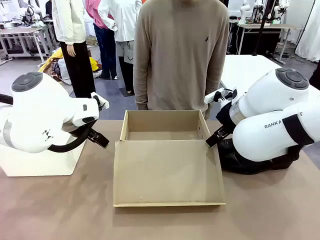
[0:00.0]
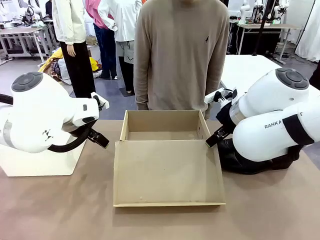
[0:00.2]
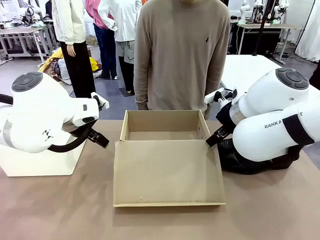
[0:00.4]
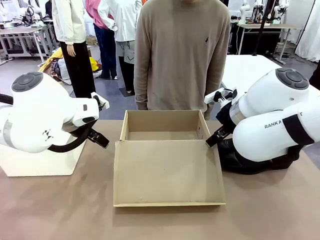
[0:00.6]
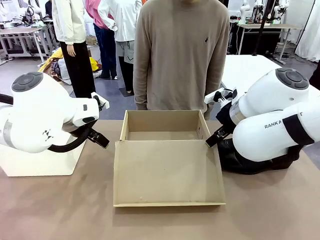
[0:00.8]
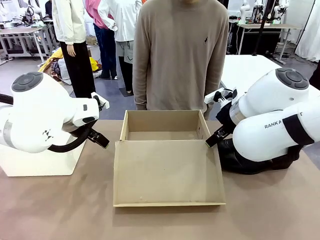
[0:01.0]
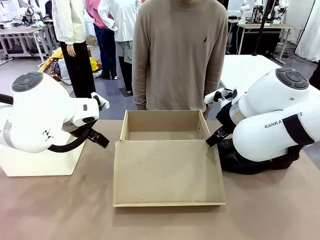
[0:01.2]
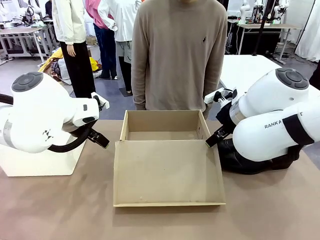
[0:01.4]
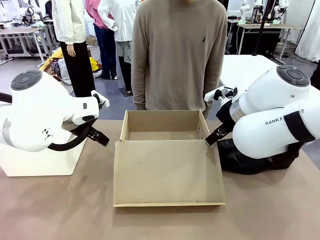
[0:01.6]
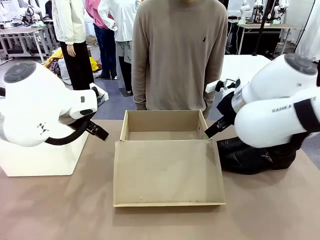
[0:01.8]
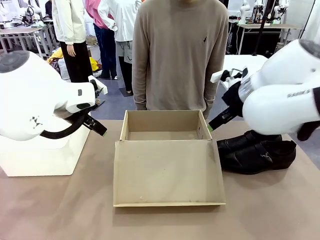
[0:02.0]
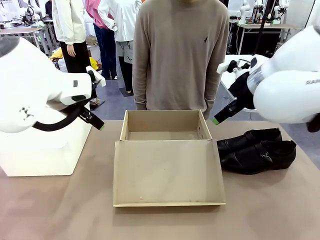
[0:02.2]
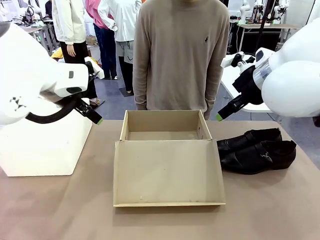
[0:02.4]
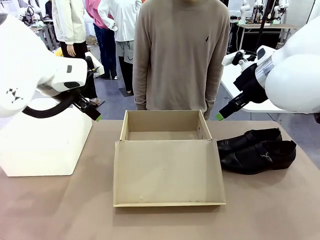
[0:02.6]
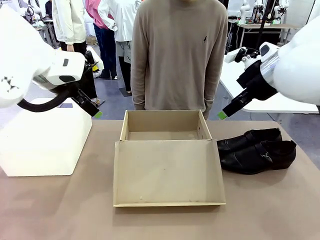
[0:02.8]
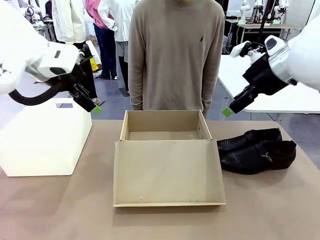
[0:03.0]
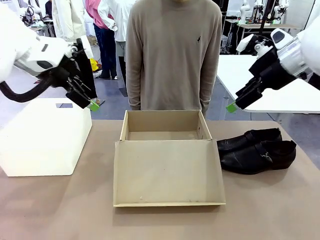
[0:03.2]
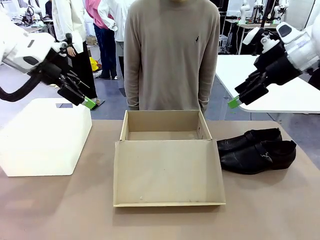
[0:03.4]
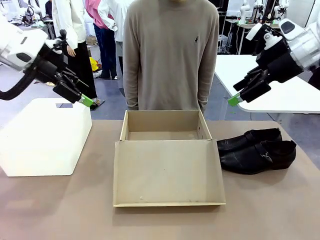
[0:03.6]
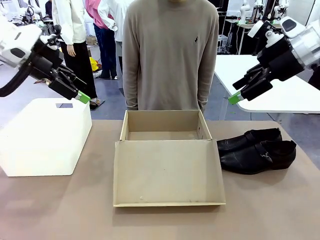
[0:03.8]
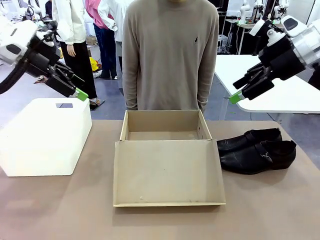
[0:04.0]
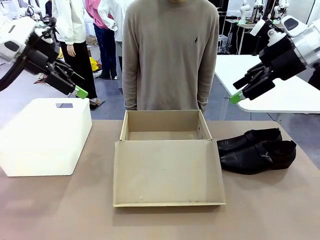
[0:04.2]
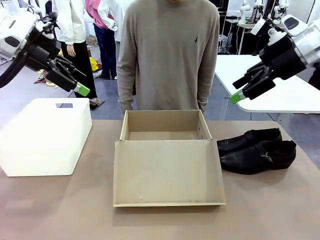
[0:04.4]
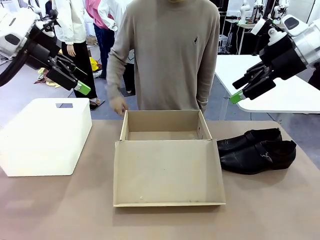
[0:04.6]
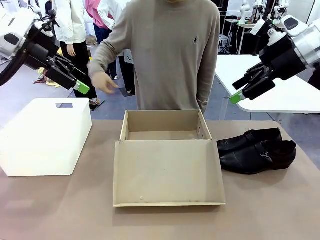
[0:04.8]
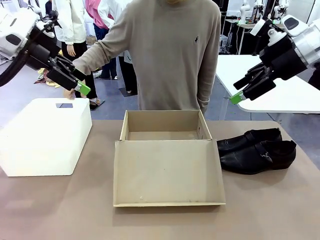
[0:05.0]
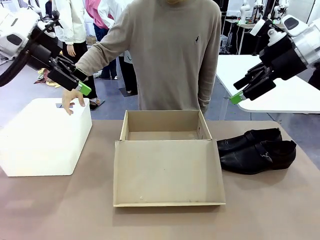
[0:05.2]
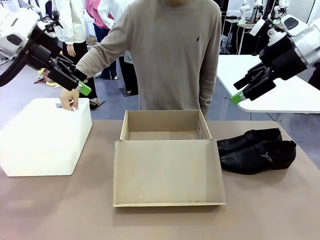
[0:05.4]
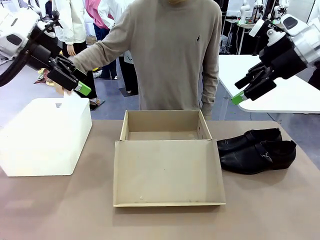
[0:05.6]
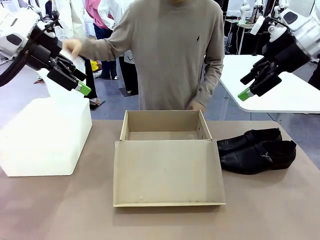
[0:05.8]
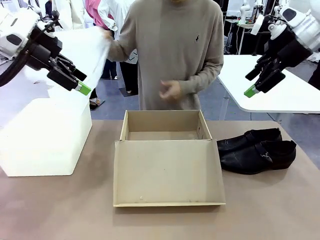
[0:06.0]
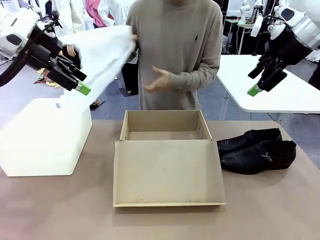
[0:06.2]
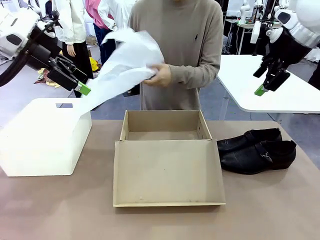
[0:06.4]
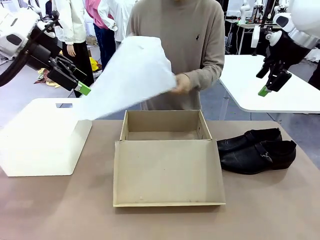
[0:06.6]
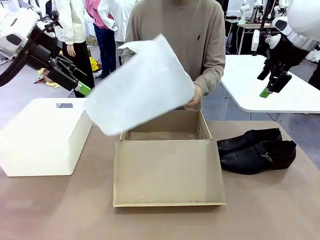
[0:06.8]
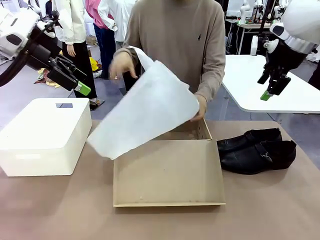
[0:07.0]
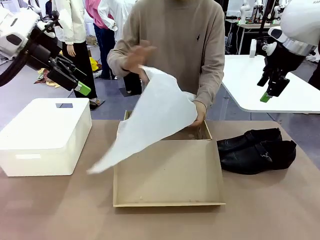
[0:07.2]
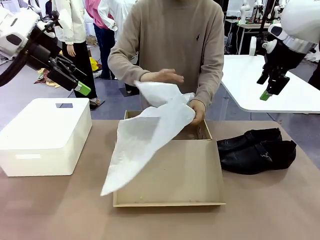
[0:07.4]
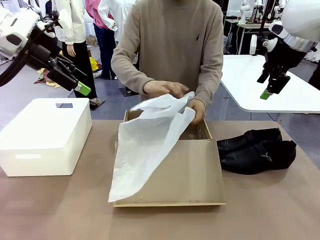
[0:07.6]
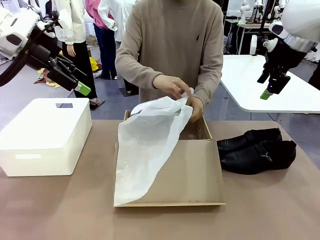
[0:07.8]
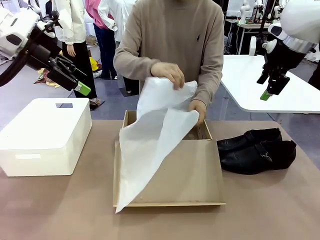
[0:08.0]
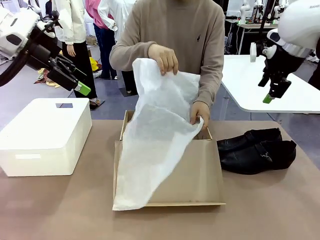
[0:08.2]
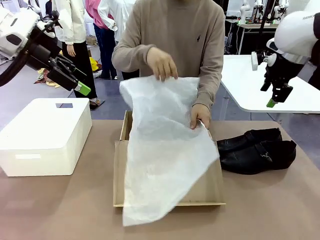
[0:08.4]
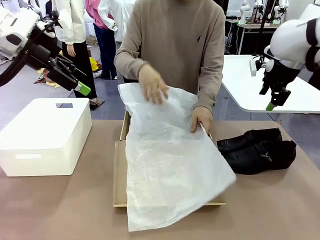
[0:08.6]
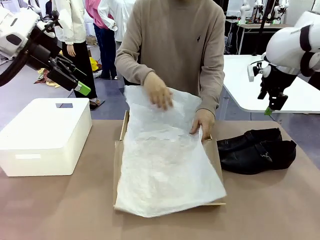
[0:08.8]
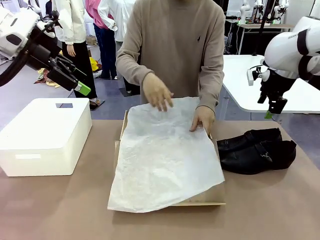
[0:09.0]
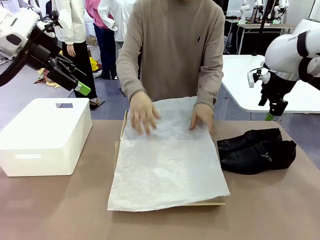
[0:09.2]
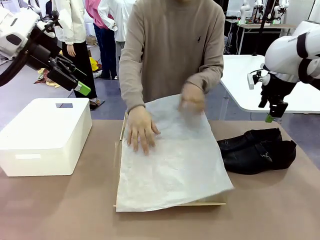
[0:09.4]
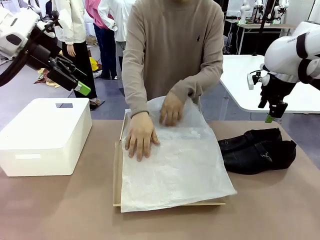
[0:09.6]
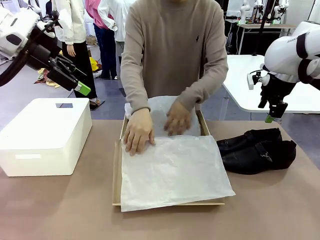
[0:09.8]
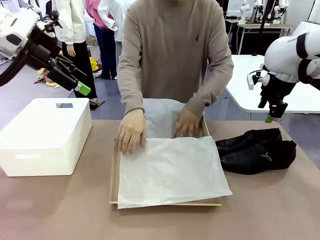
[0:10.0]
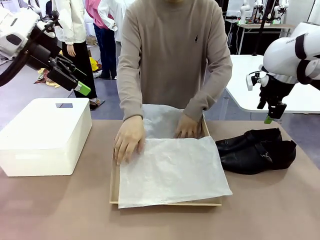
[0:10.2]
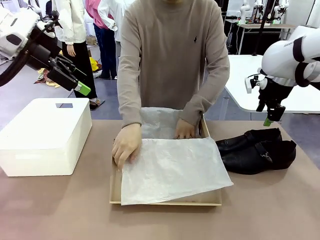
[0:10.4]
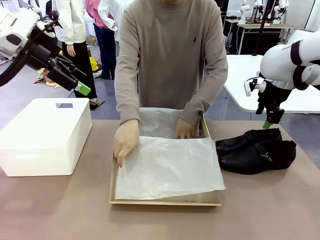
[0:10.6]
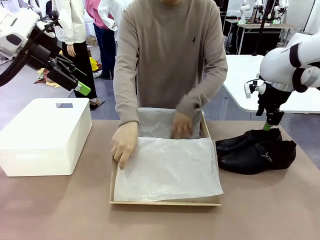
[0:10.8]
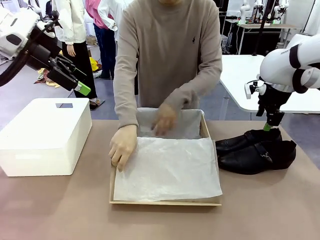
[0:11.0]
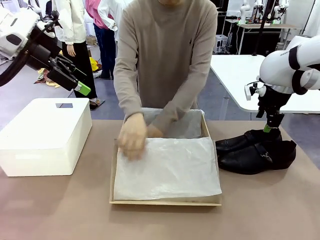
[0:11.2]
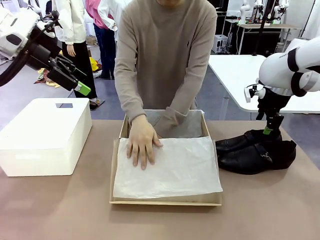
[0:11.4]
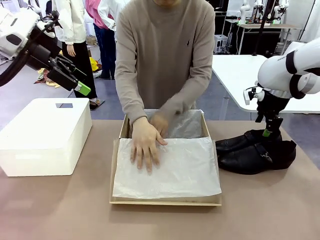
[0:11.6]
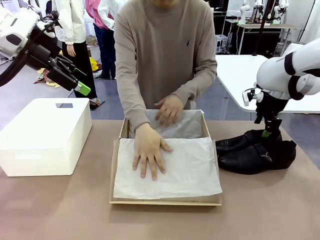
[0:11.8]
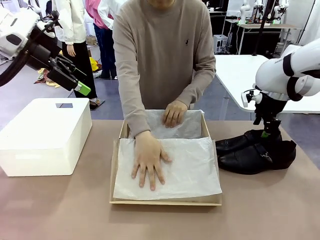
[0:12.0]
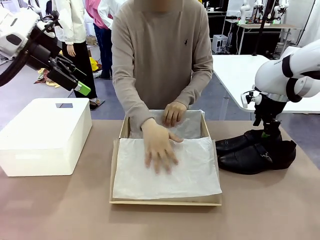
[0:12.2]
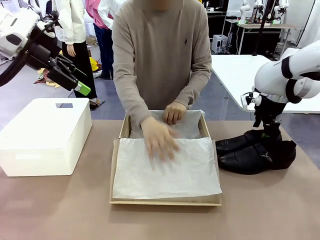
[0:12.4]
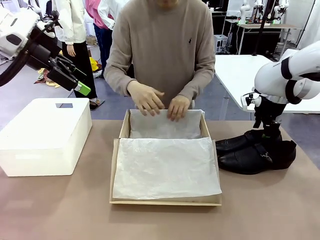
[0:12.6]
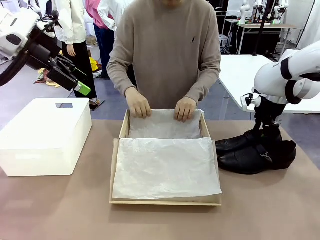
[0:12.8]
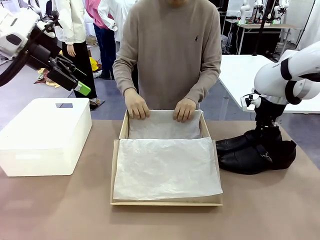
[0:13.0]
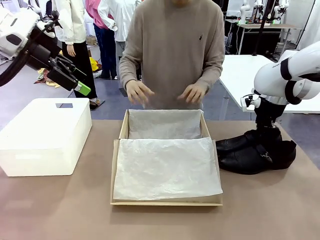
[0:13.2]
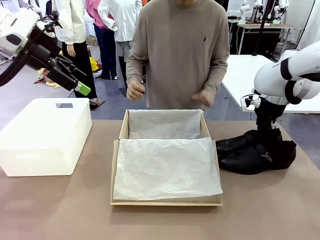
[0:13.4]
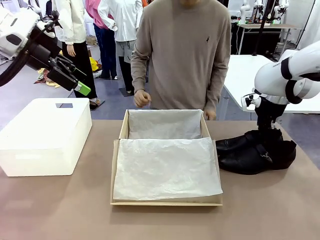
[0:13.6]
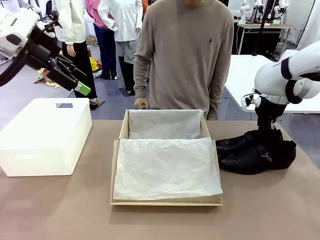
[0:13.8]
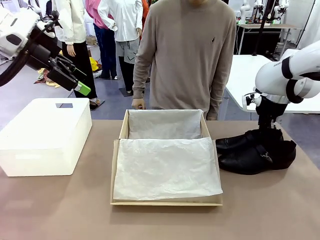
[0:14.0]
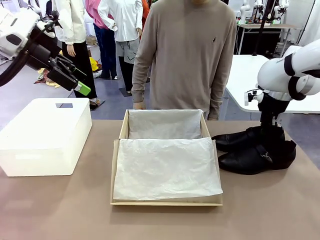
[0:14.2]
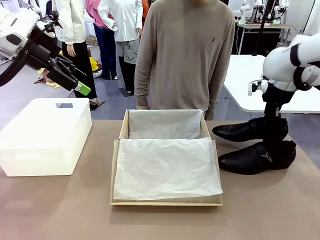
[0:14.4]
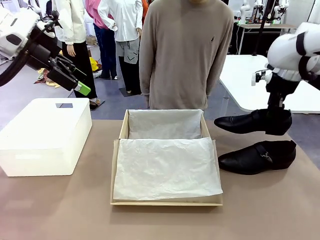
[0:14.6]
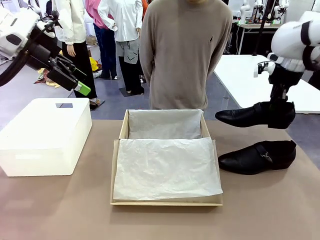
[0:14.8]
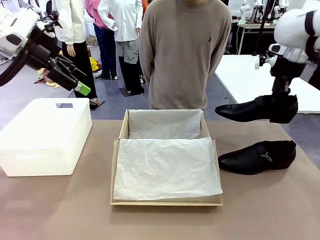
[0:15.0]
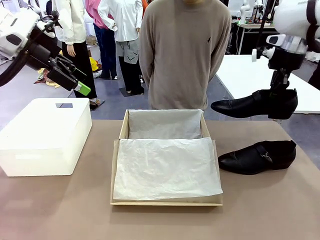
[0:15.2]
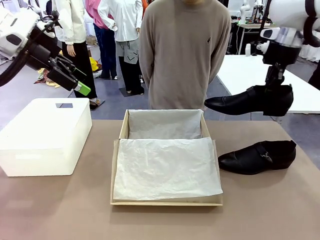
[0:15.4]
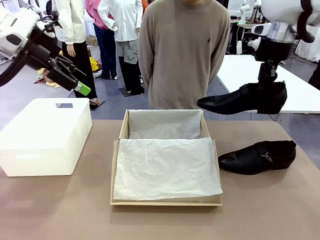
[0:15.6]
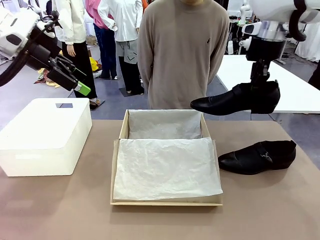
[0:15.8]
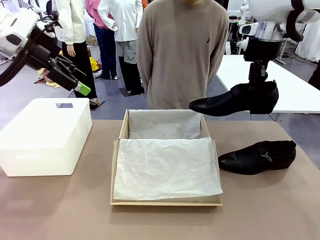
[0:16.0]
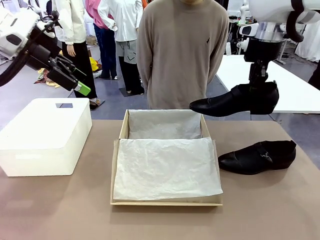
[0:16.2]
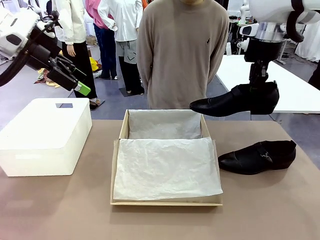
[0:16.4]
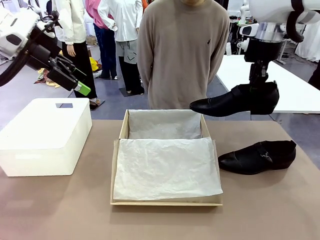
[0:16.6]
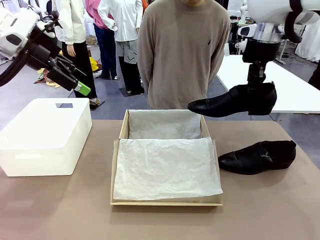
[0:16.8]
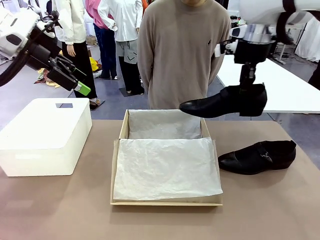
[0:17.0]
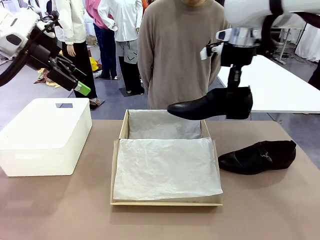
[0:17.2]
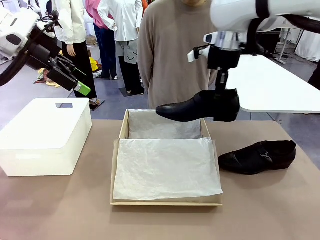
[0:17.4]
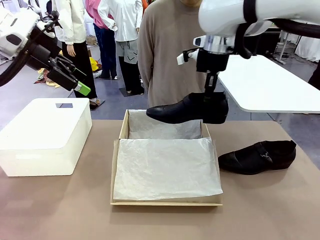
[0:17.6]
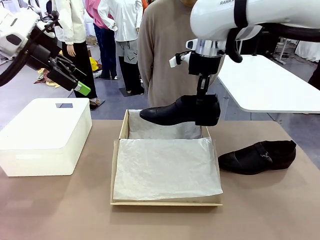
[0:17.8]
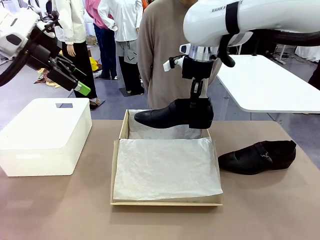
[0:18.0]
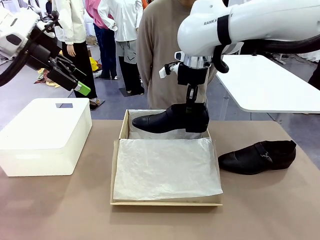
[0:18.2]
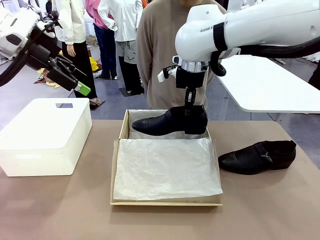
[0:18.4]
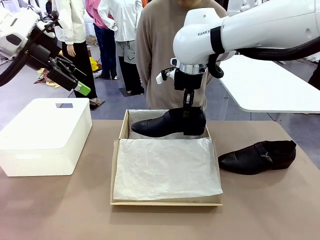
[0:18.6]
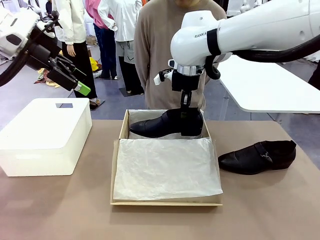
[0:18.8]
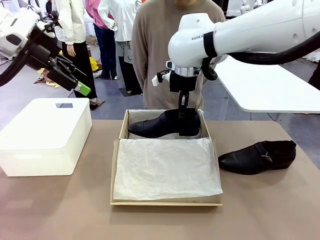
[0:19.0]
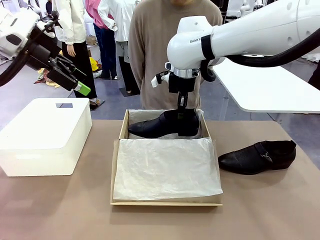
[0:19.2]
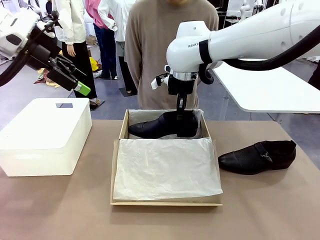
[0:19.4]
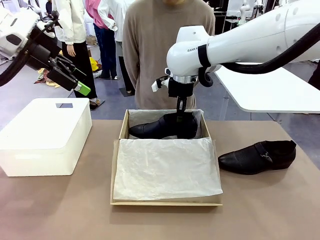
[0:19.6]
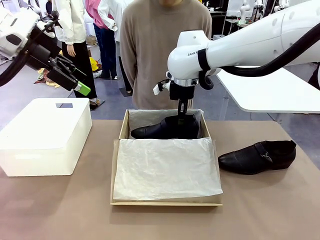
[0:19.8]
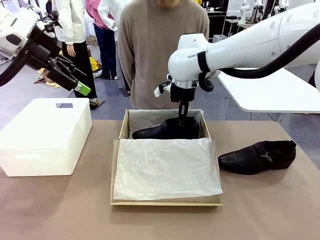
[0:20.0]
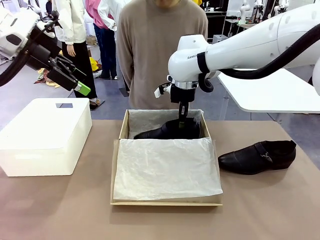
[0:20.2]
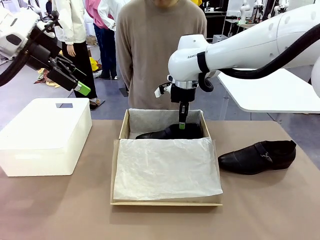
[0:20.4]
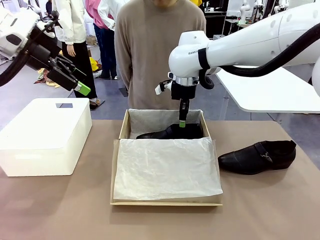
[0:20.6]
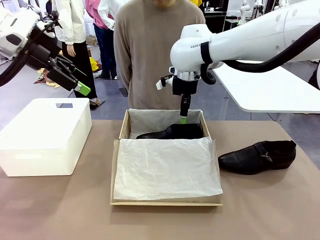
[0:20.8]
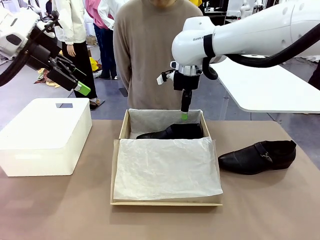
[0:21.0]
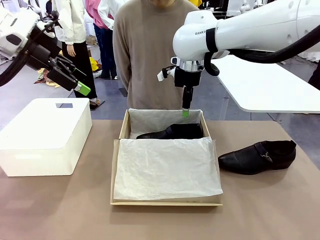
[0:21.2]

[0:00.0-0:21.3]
Task: Pack the shoes into the box.
Robot: Place one shoe of the Shoes into the Shoes Box.
Person: Spread Shoes Wrapping Paper and place inside the Shoes Box.
